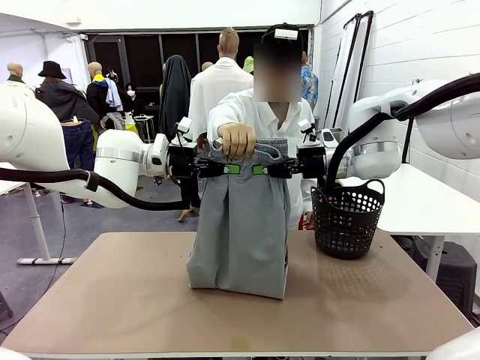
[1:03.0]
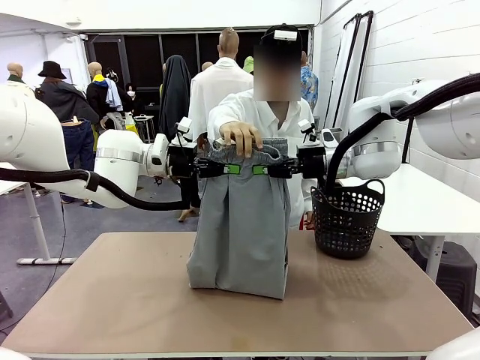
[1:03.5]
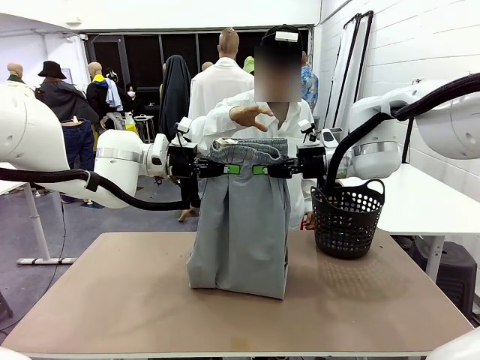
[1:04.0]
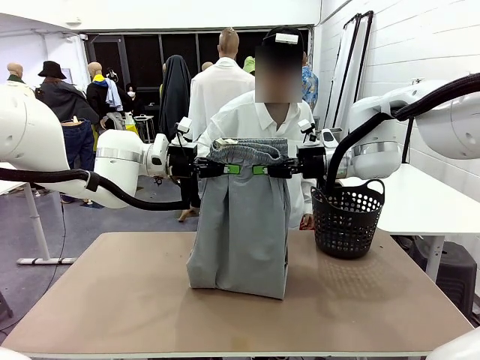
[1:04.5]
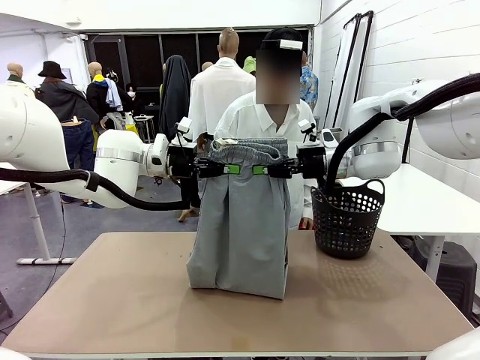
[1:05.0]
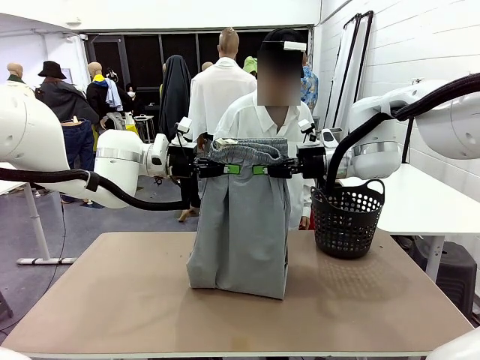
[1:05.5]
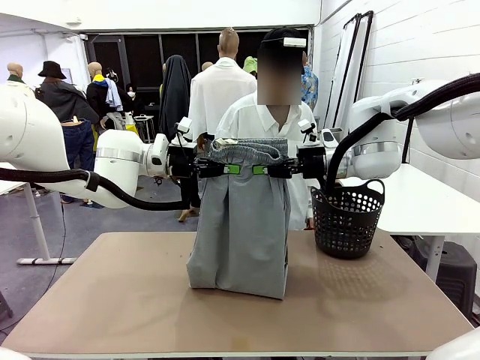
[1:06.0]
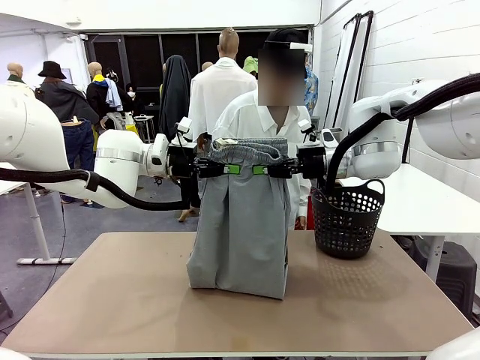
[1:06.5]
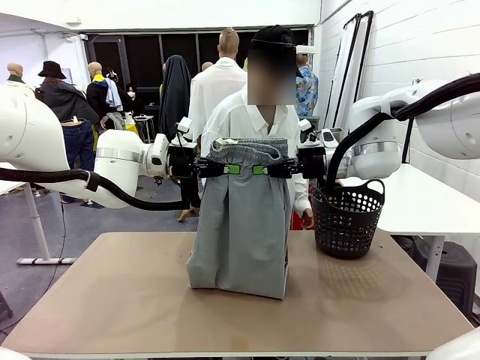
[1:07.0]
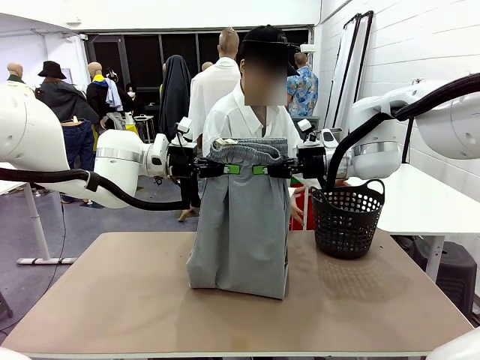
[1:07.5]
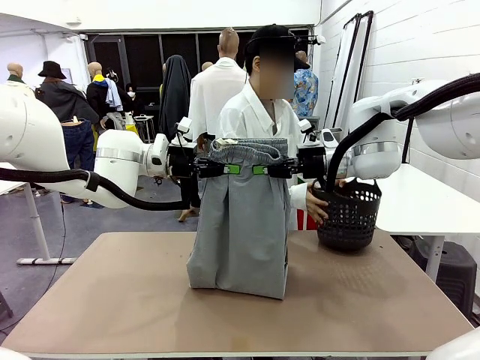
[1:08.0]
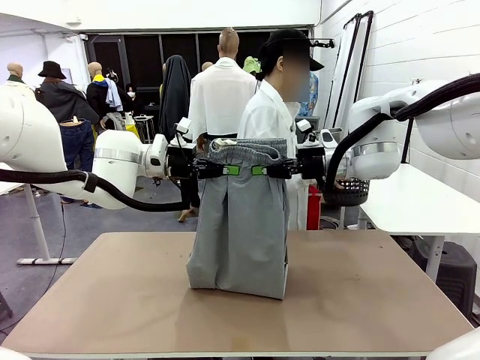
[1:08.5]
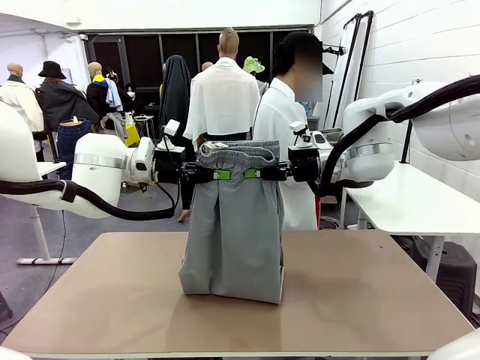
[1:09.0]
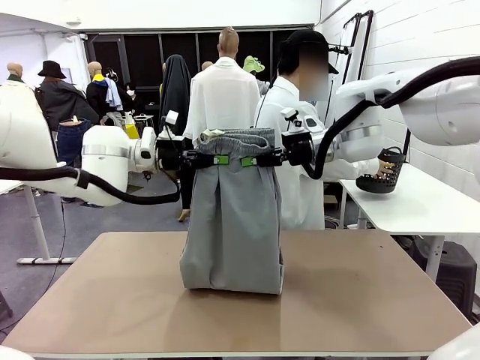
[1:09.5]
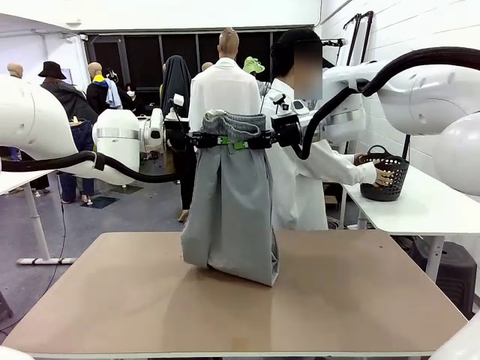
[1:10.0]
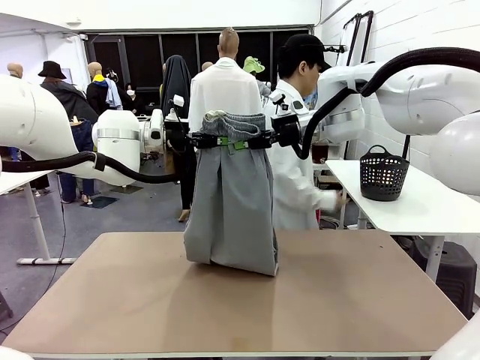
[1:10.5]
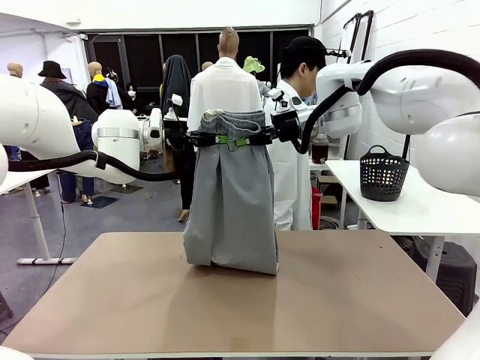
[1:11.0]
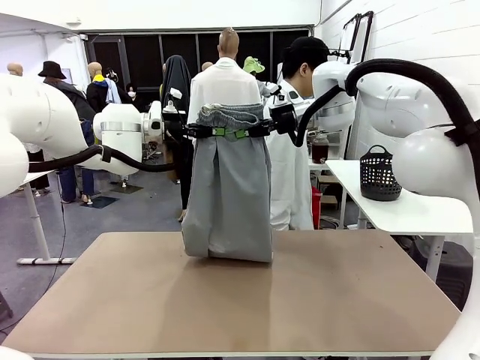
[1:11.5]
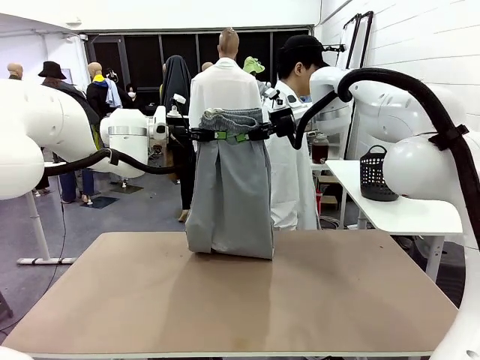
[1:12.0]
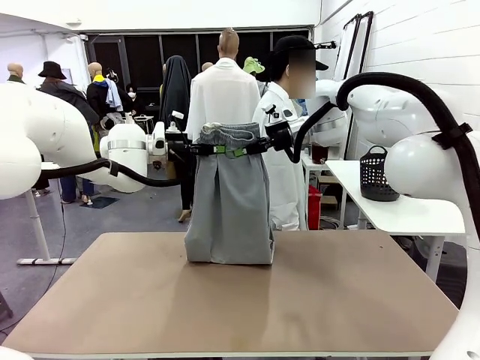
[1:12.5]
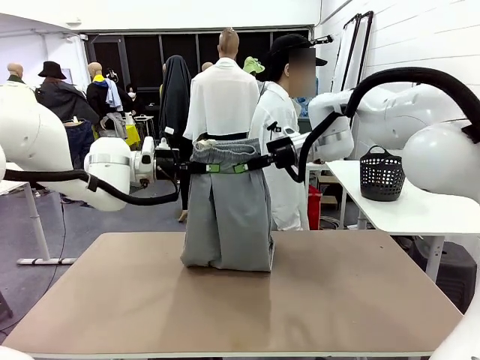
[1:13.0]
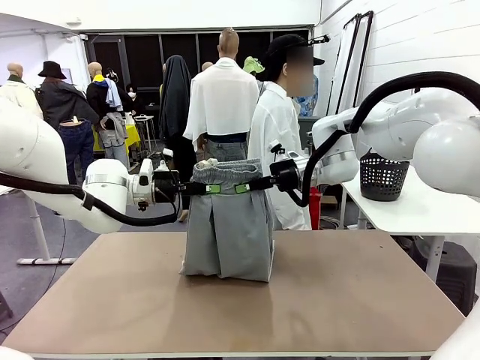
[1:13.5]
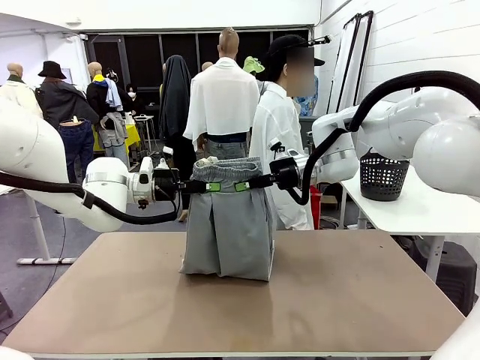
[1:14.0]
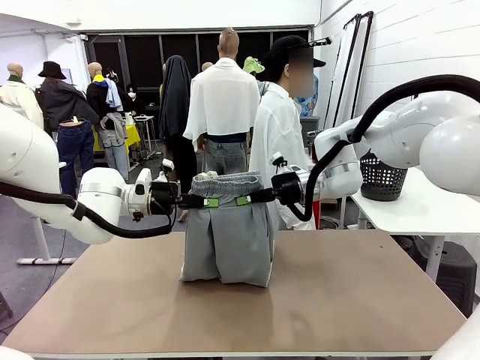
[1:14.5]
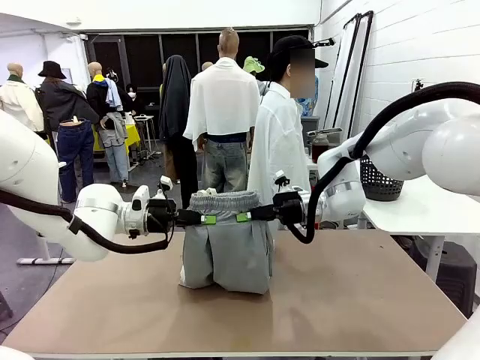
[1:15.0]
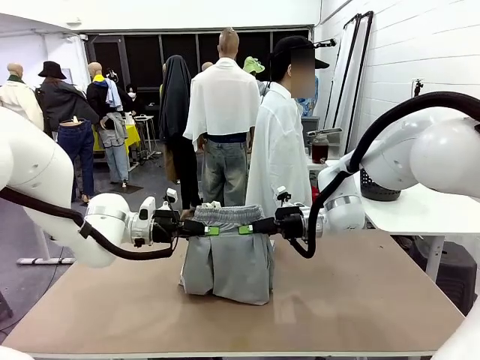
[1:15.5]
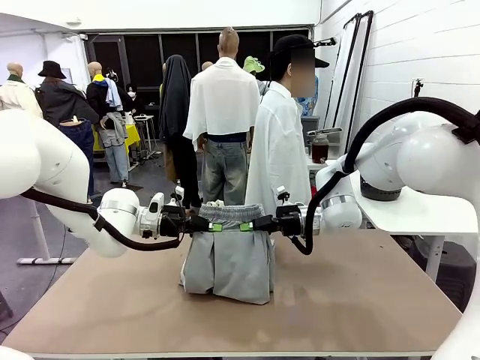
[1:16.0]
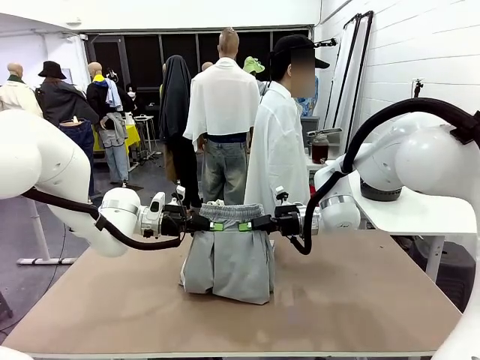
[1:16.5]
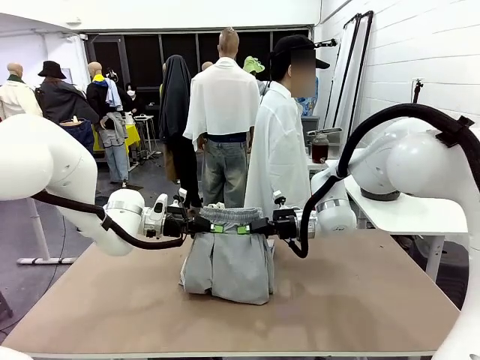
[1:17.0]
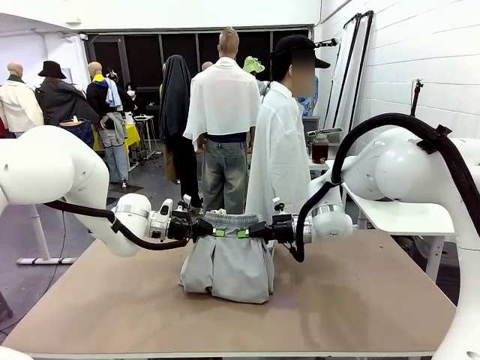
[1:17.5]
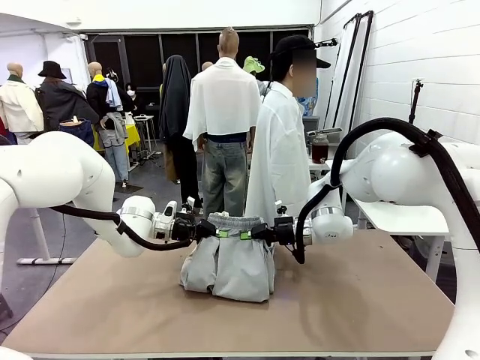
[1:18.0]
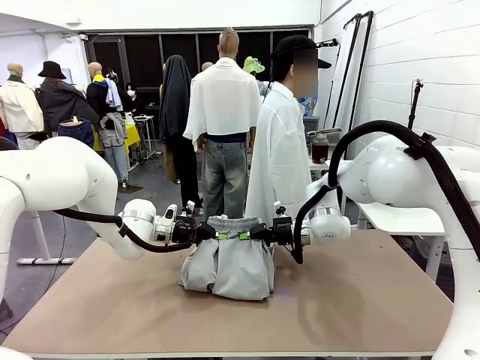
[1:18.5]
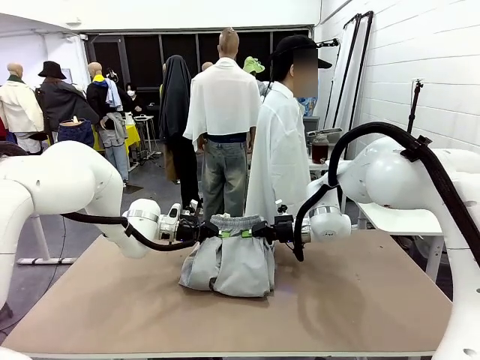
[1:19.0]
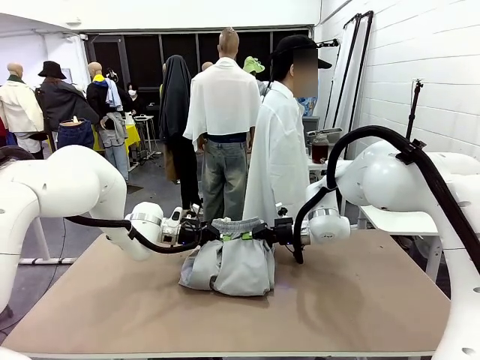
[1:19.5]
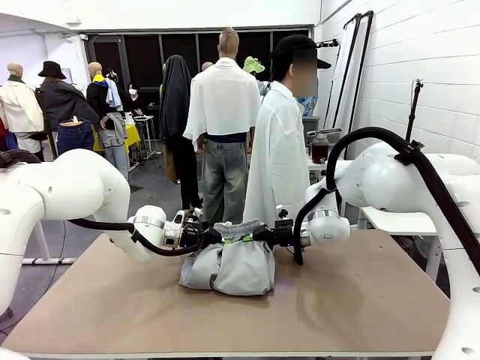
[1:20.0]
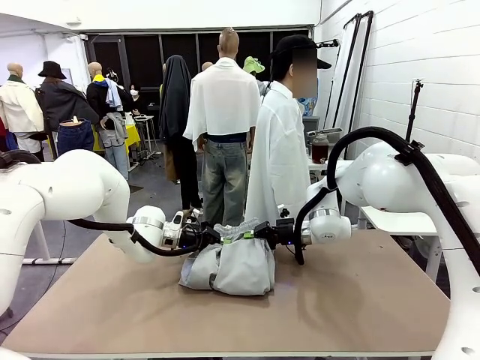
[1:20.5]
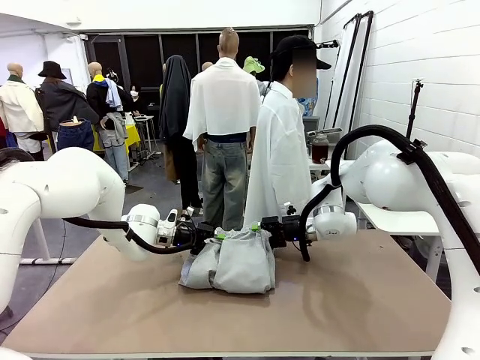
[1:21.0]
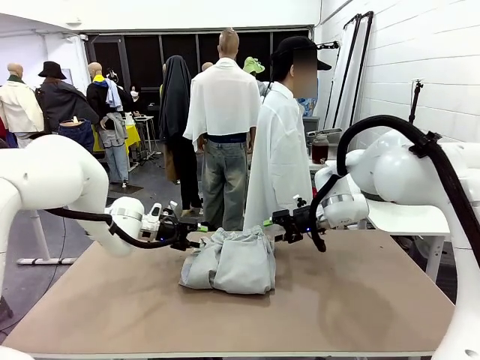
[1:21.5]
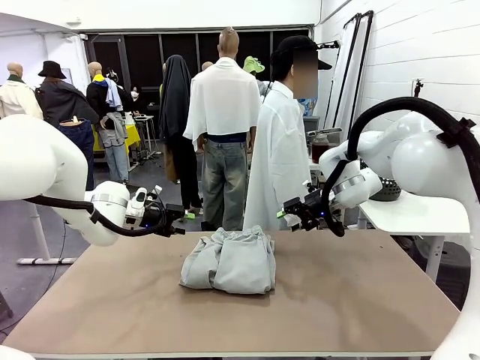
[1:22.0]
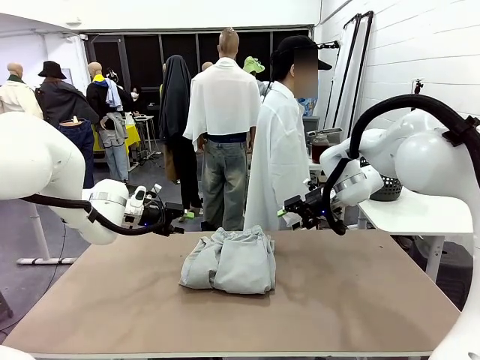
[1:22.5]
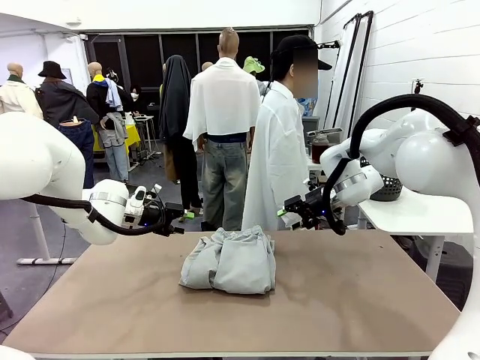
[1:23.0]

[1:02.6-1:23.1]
Task: Fold the training pants.
Robot: Fold the Training pants in half.
Person: Move the laundry basket to the right of the human table.
